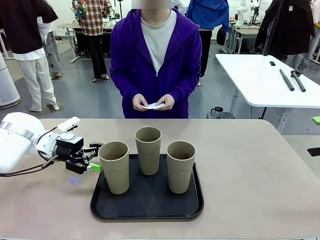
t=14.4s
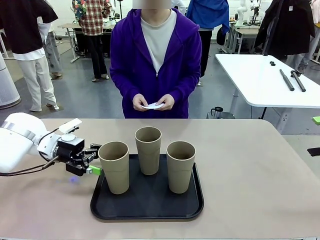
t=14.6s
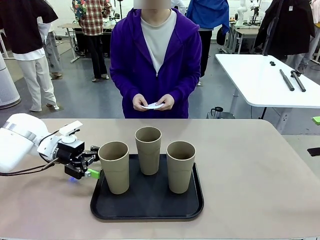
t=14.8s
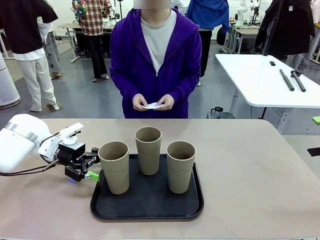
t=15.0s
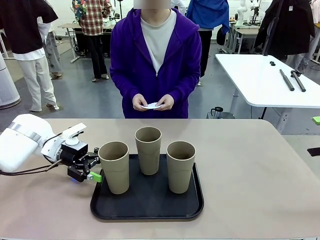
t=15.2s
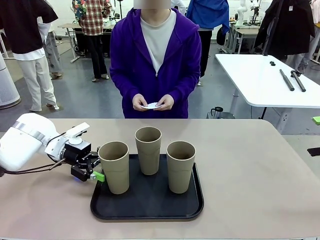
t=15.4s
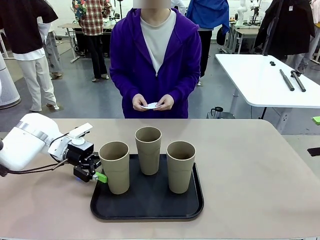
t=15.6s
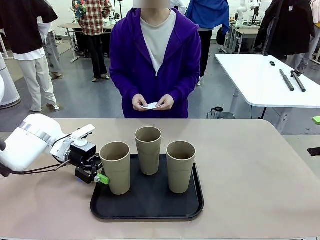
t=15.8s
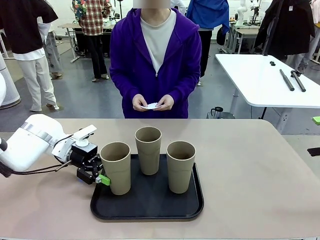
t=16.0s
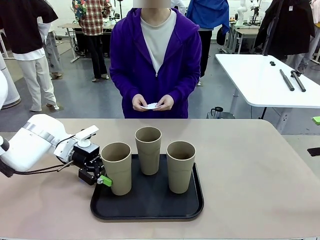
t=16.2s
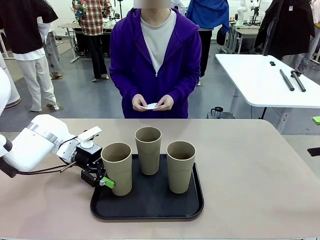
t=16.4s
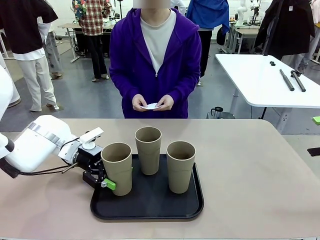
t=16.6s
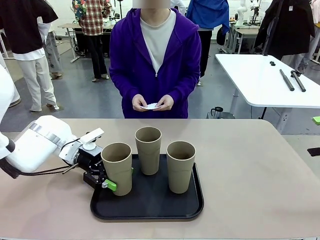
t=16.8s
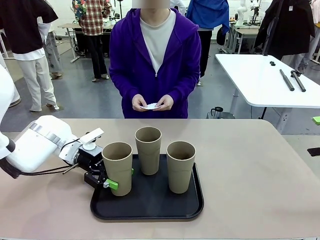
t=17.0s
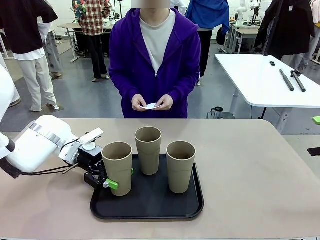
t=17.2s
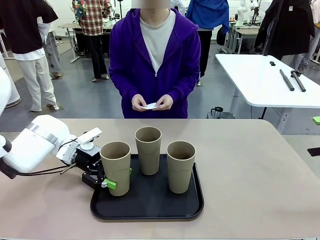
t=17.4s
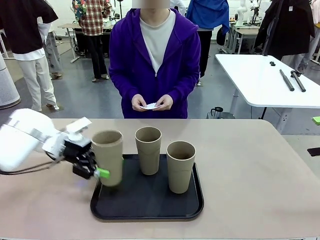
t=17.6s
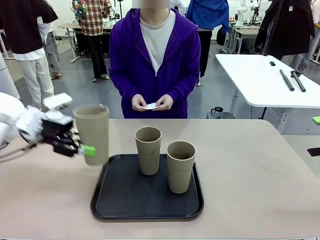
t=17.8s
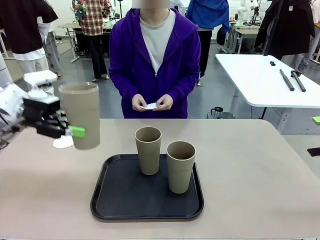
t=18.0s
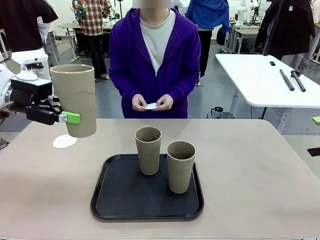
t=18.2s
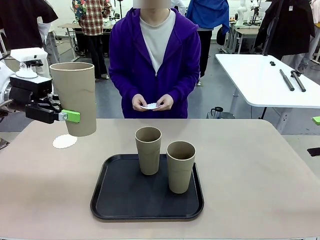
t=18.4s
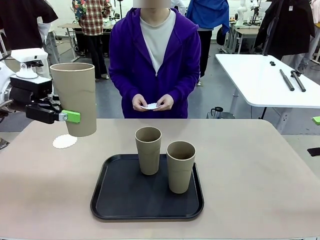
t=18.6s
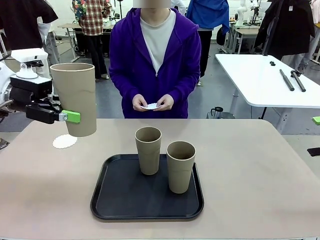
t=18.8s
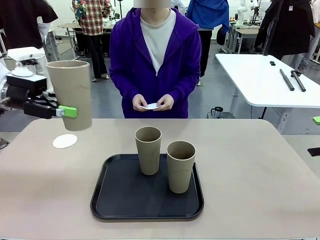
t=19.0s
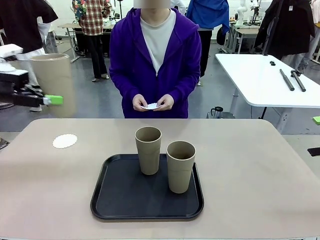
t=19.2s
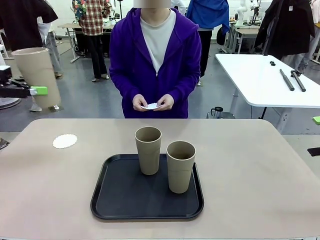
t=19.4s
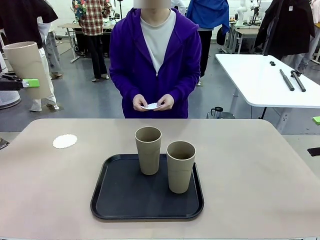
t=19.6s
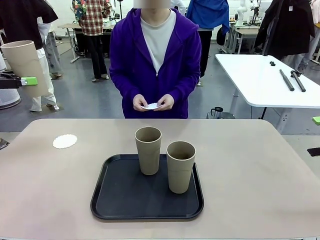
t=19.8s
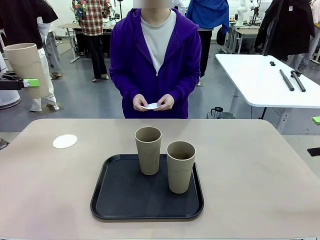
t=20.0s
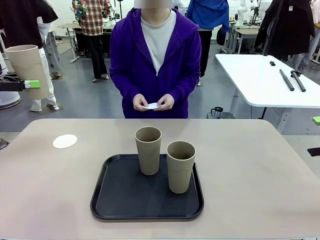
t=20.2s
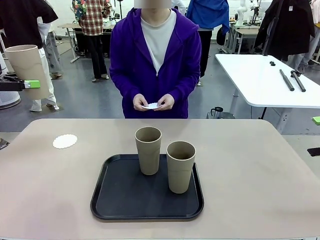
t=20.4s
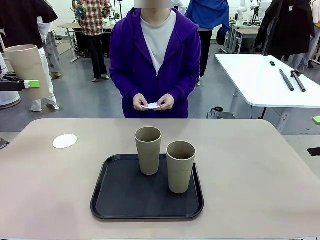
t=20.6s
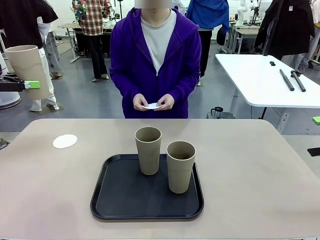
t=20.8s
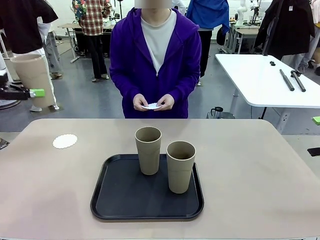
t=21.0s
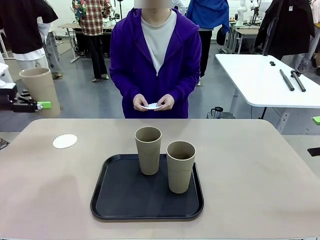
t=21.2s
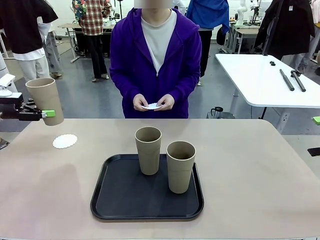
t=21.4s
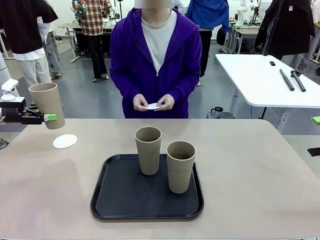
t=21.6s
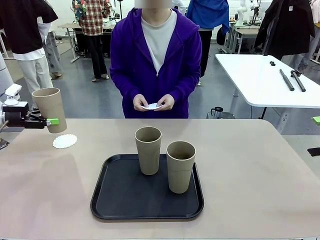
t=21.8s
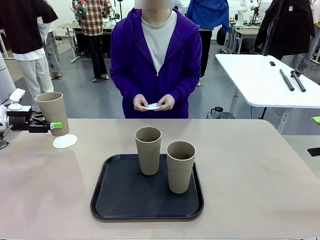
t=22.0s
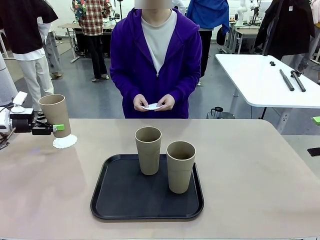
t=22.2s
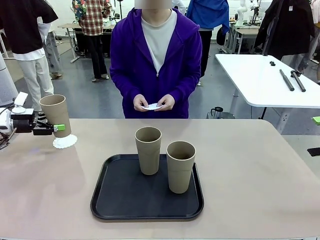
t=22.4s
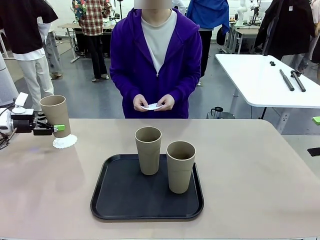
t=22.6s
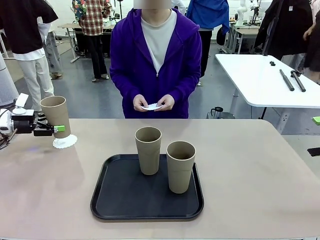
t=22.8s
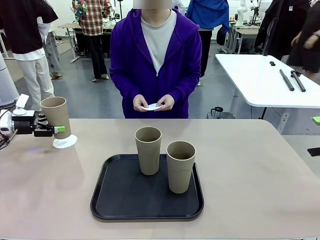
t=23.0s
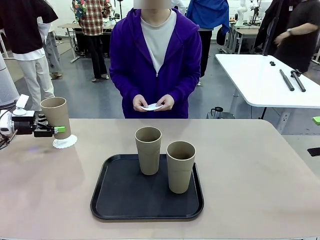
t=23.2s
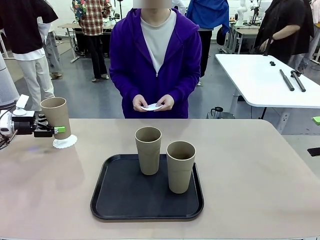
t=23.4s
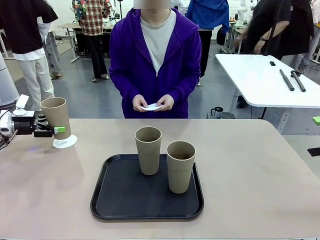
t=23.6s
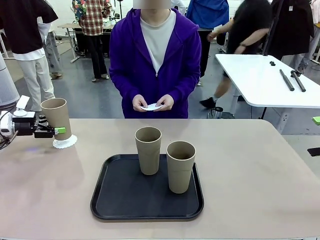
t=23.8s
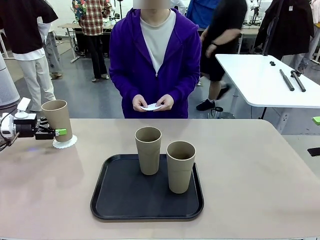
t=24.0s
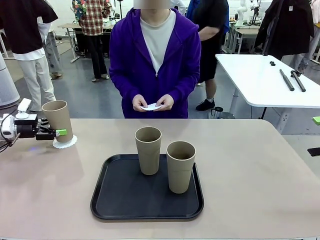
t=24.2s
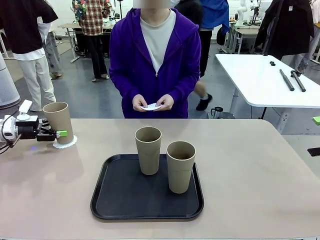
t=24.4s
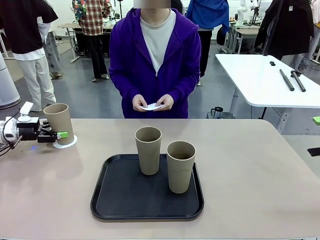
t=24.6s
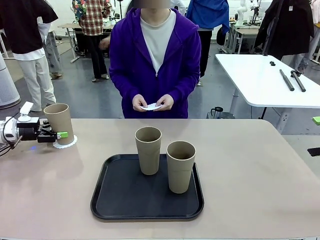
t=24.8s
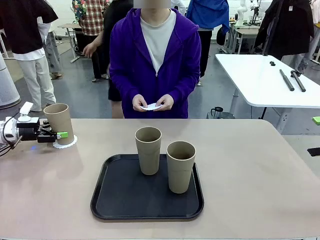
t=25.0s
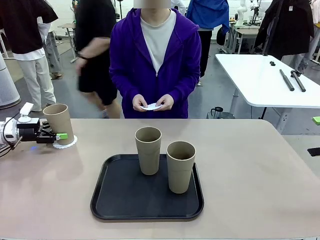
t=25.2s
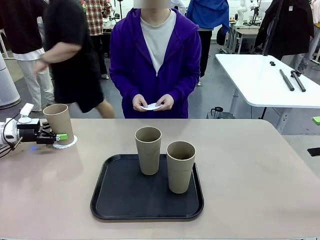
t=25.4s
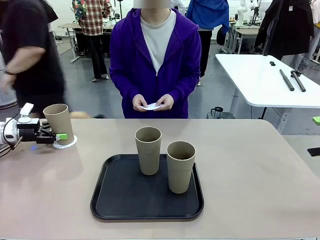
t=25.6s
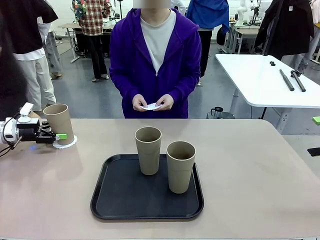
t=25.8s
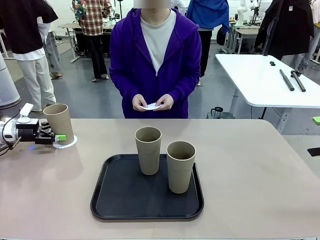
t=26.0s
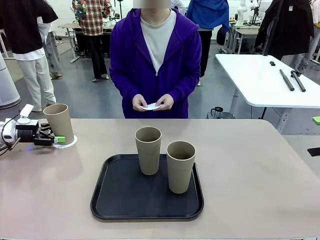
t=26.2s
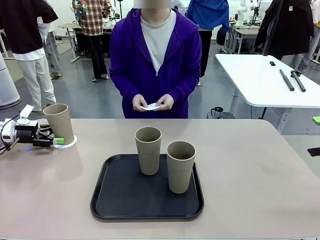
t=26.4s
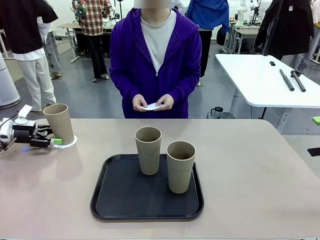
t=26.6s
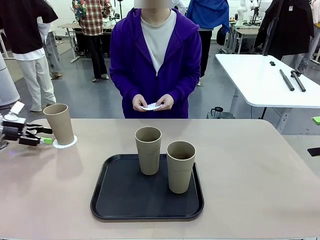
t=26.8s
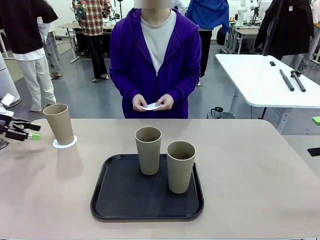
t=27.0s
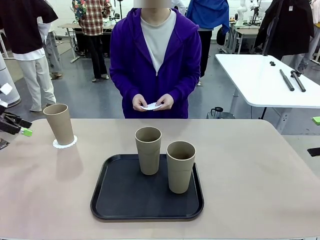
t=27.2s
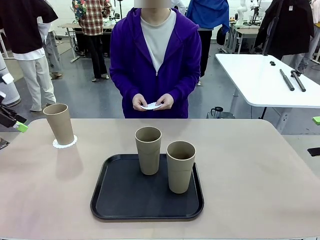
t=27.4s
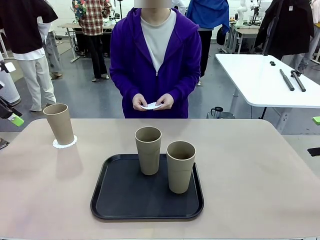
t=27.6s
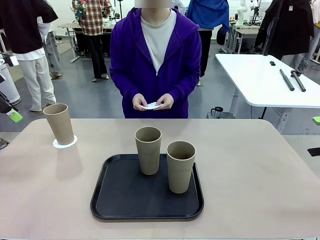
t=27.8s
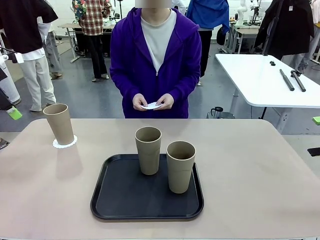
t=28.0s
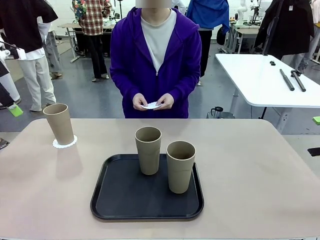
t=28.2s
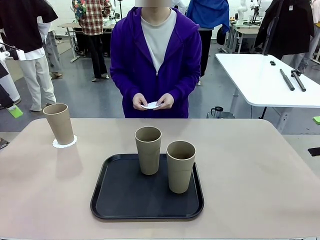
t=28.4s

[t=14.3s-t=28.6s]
Task: Place coasters on the table and set cups on them.
Robot: Pick up one Reusable plastic cup and place it on a coaster set by the human.
Person: Place one coaster in one of the two areas excluding the previously selected area.
